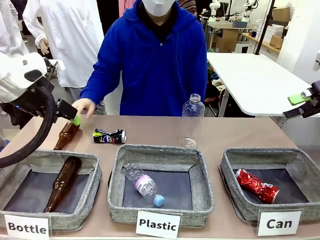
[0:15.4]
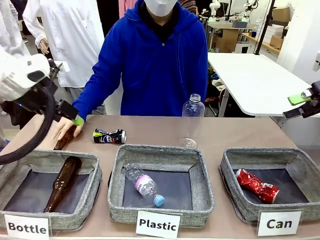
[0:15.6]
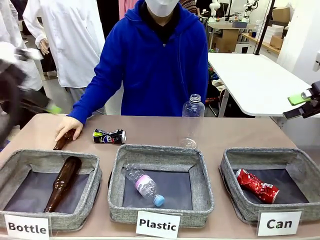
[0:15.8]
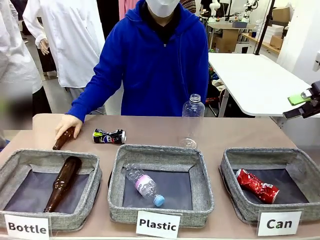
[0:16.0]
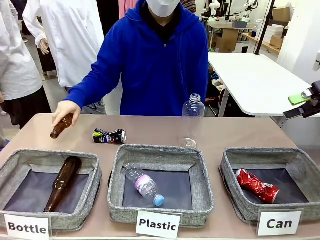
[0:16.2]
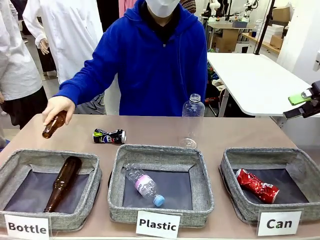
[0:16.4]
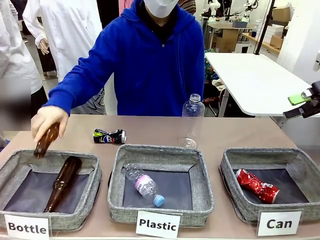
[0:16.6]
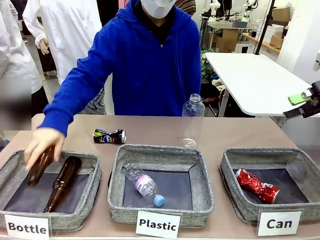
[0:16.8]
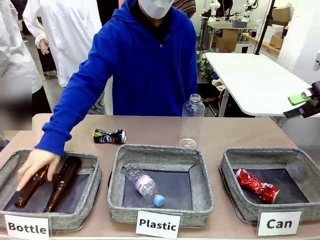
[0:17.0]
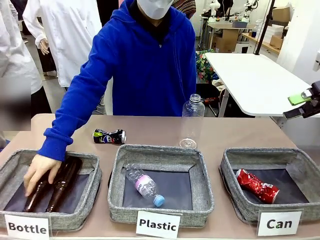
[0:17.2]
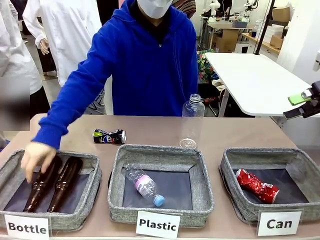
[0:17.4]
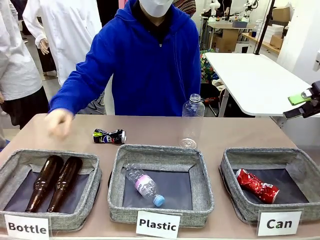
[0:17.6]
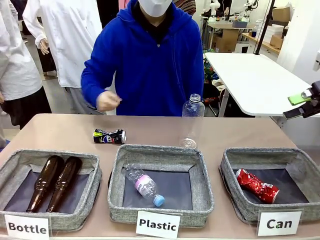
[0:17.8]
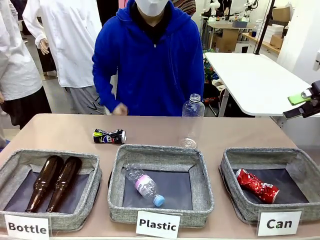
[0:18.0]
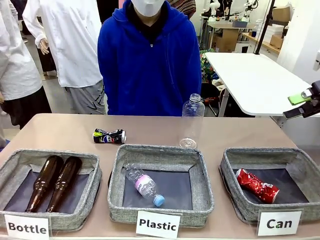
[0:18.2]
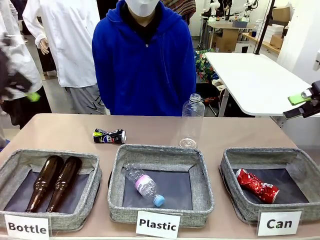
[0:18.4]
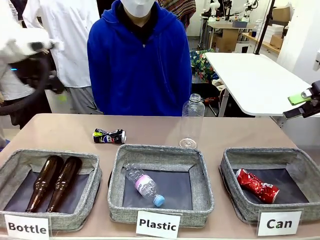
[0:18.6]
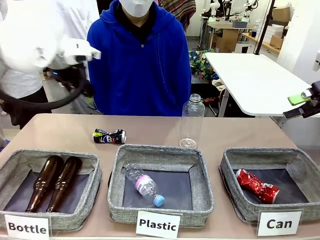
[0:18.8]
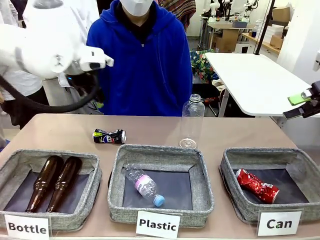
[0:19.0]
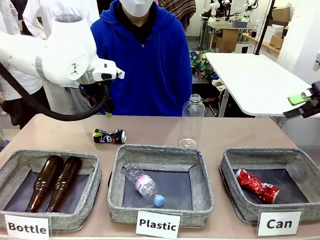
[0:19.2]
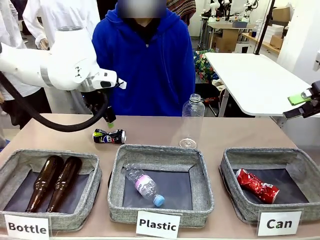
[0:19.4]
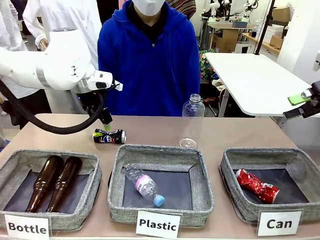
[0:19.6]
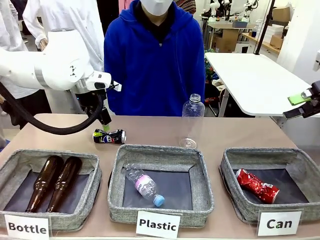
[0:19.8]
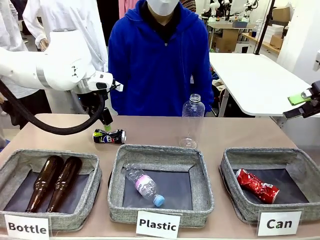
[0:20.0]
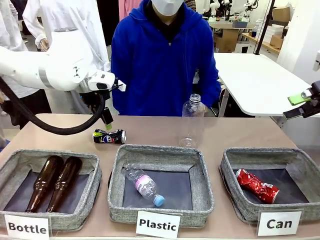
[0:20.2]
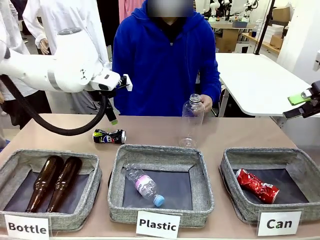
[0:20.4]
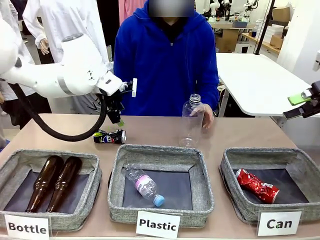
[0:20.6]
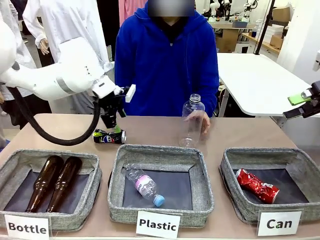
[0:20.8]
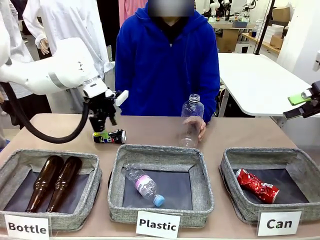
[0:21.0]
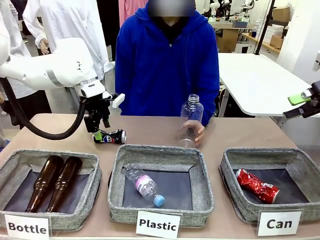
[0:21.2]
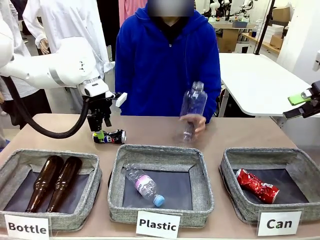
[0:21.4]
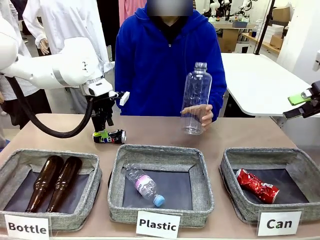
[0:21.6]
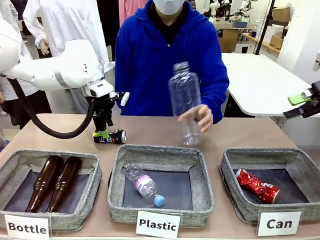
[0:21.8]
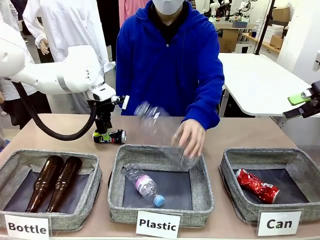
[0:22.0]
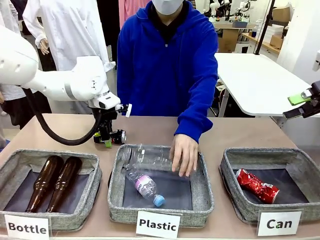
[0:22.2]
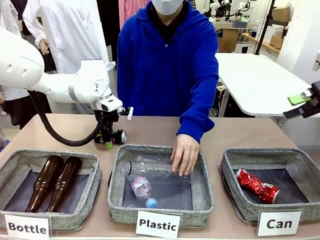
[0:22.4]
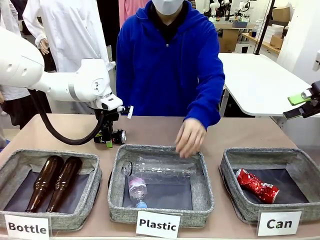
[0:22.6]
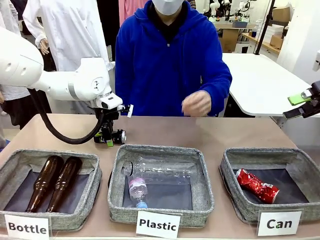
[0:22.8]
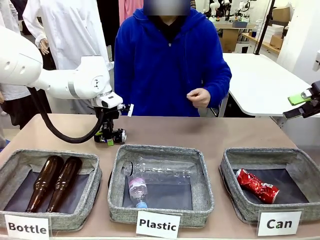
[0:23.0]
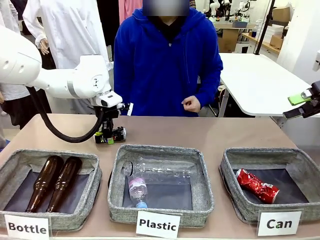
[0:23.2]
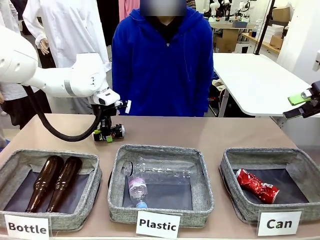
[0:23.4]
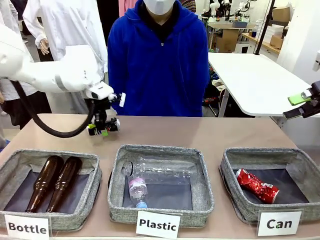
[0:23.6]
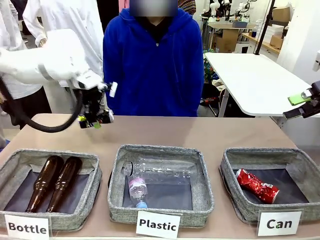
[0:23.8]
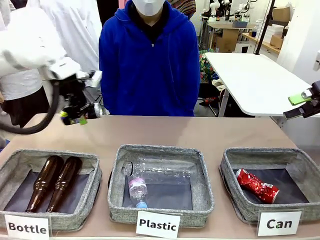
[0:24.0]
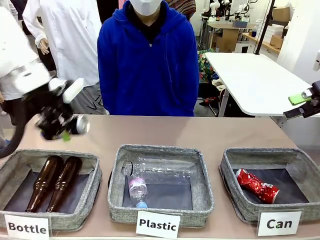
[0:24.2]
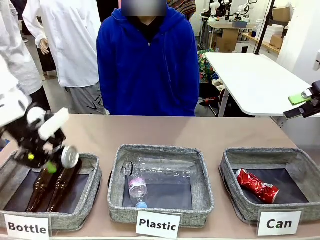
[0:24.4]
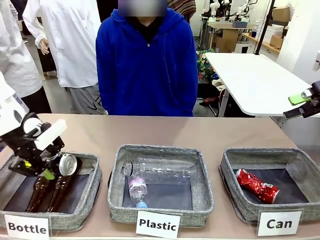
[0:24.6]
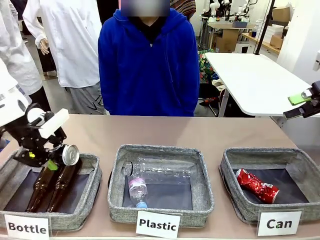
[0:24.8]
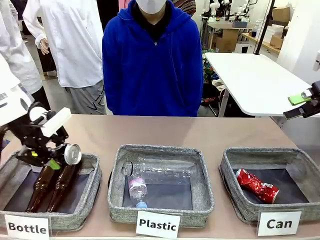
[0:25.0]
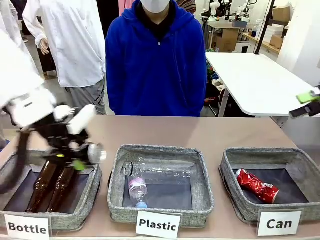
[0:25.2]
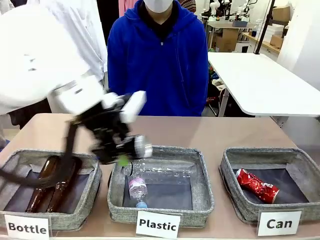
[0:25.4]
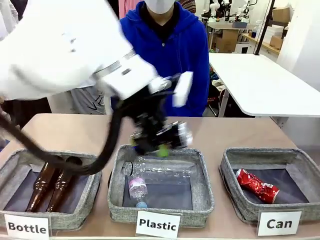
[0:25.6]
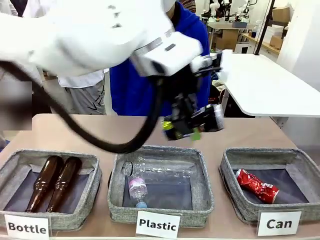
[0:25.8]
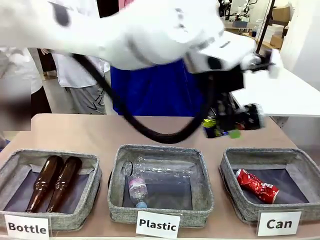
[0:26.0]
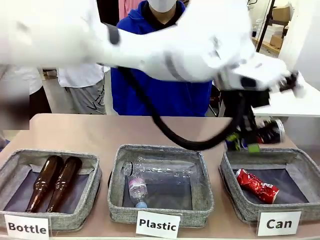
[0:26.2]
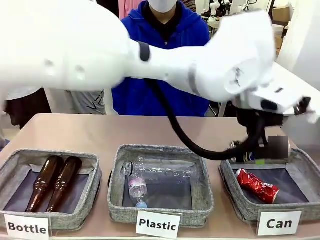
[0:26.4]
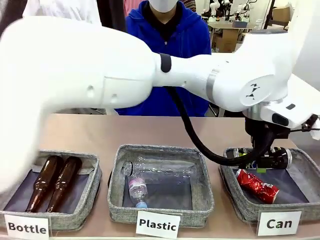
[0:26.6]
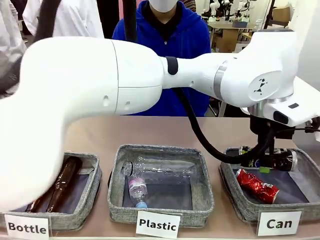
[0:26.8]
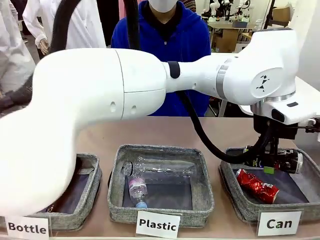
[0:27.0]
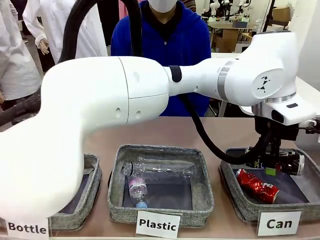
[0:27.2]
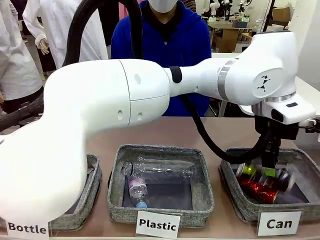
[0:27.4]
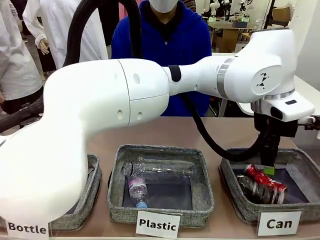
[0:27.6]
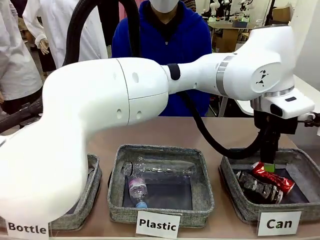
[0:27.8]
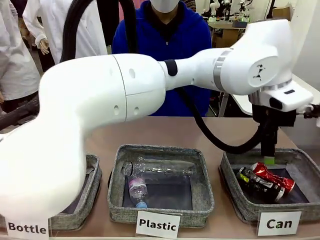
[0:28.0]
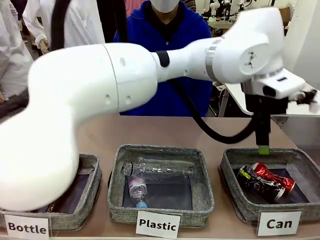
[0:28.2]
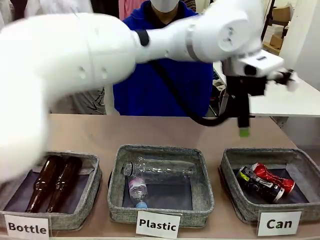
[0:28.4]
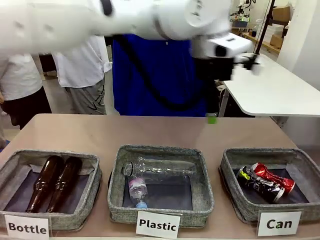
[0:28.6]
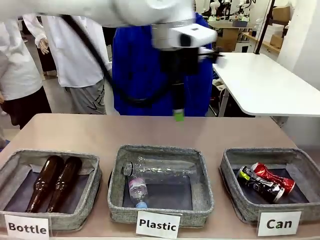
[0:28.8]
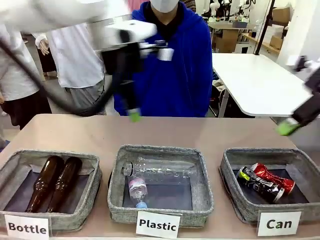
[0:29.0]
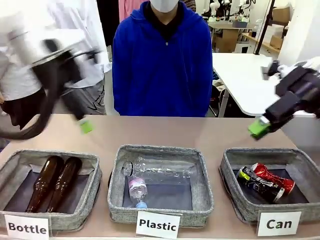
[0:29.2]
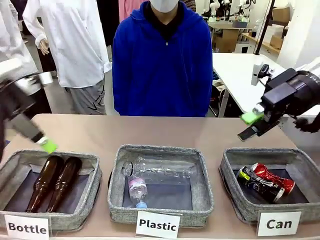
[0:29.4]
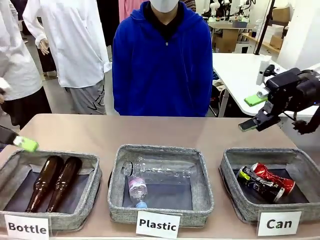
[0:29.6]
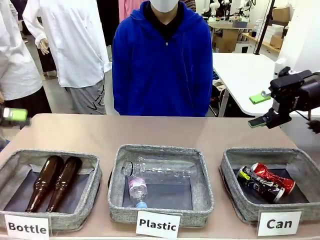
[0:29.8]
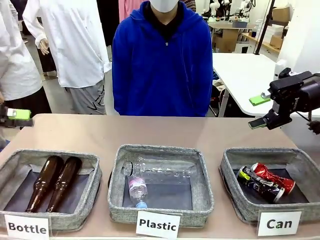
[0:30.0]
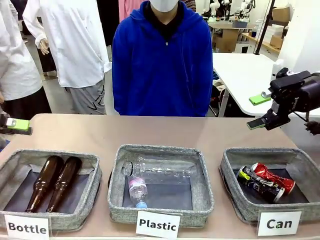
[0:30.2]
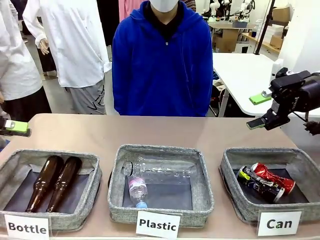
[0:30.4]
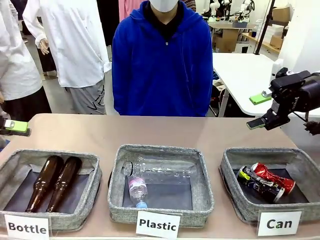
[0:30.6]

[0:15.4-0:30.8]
Task: Sort the can waste into the basket.
Robot: Pick up the can waste from the table and place it in the right Fabric basket.
